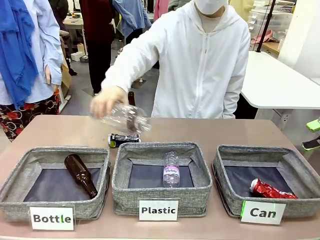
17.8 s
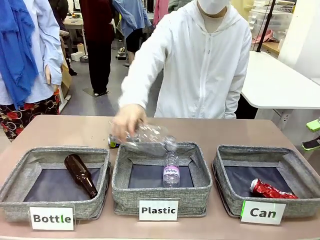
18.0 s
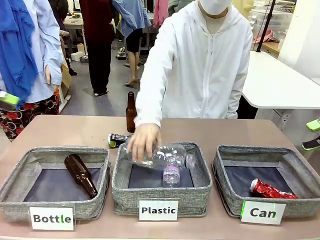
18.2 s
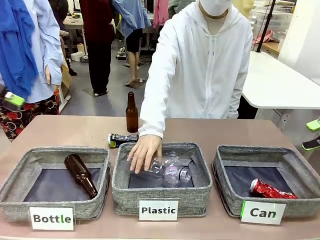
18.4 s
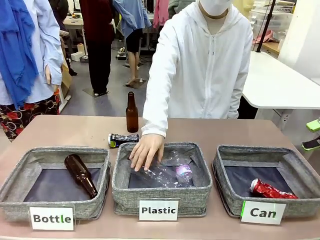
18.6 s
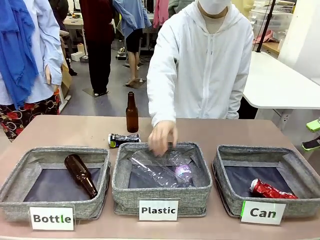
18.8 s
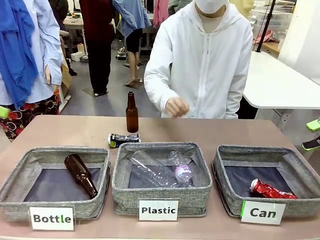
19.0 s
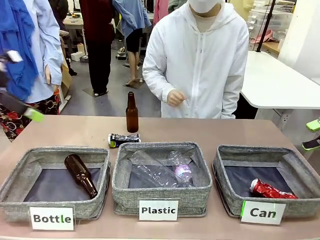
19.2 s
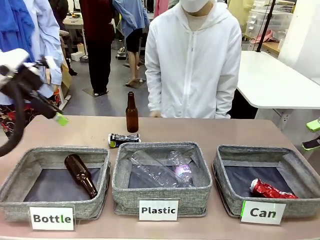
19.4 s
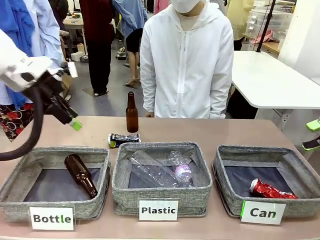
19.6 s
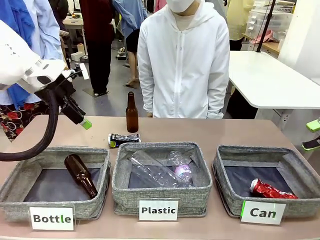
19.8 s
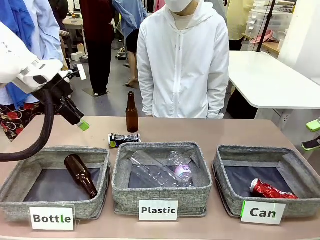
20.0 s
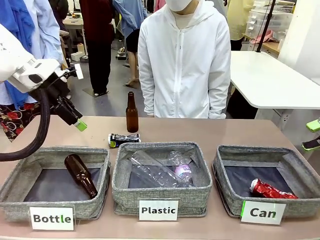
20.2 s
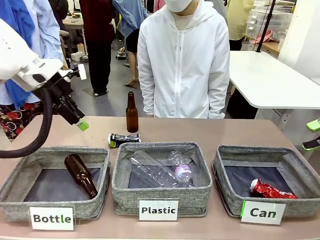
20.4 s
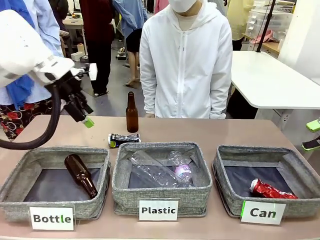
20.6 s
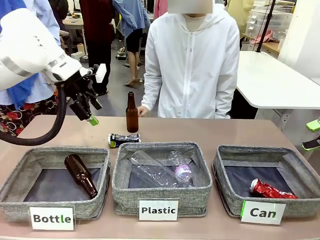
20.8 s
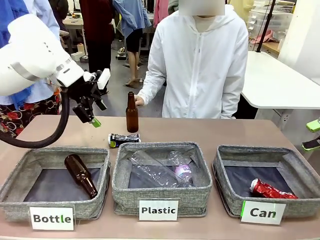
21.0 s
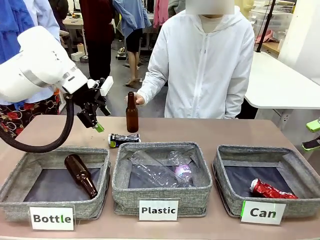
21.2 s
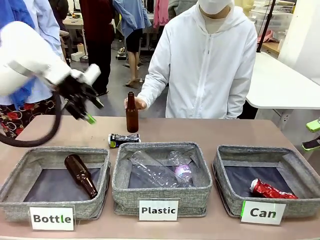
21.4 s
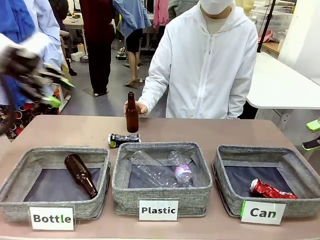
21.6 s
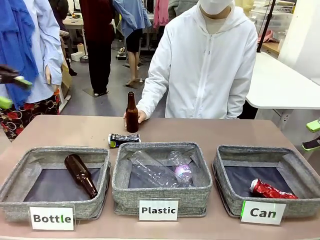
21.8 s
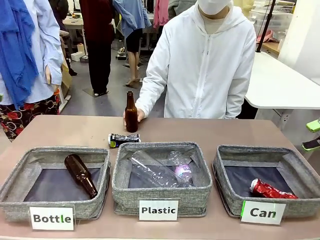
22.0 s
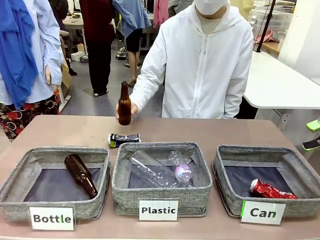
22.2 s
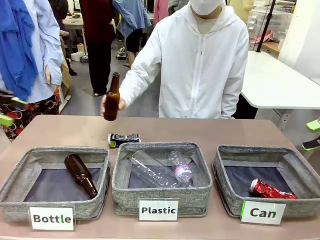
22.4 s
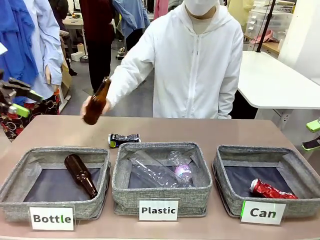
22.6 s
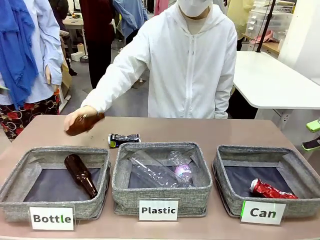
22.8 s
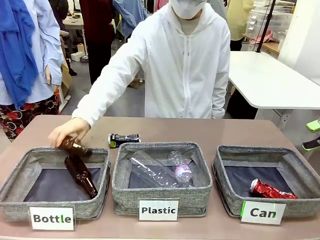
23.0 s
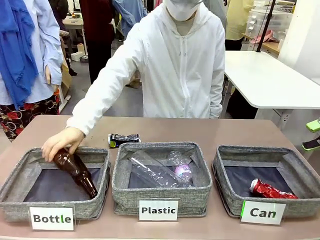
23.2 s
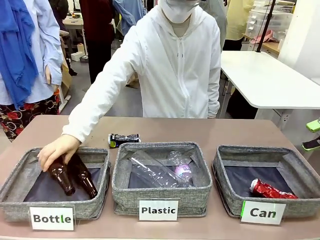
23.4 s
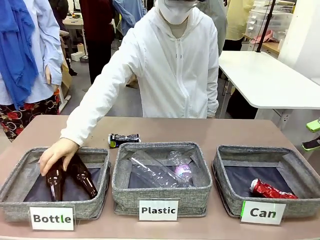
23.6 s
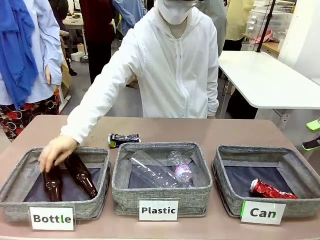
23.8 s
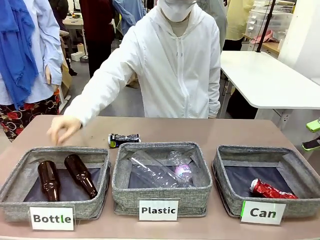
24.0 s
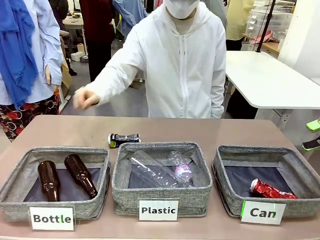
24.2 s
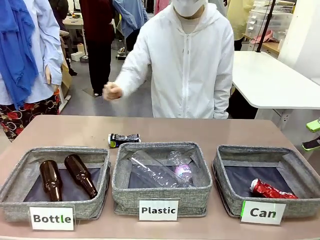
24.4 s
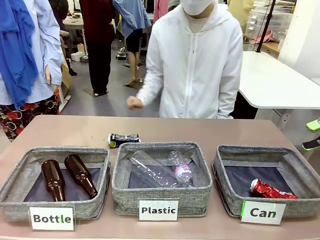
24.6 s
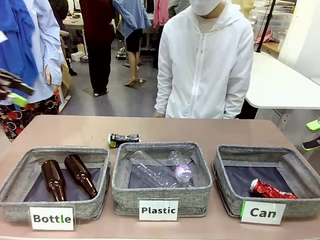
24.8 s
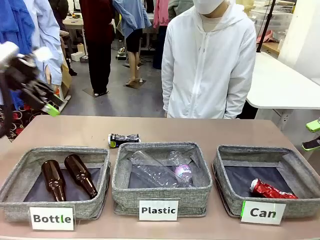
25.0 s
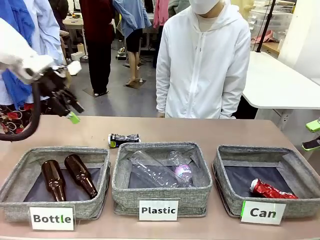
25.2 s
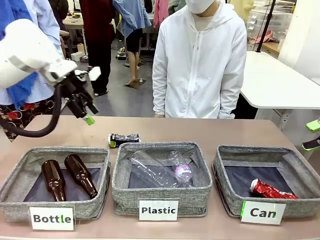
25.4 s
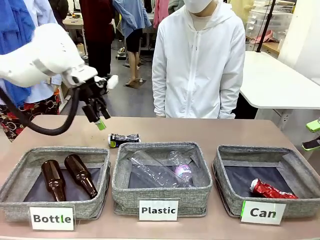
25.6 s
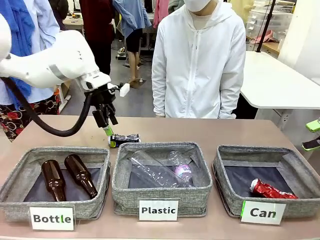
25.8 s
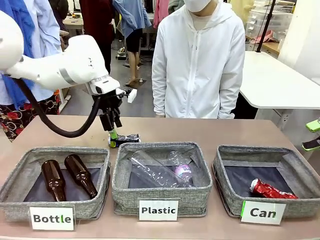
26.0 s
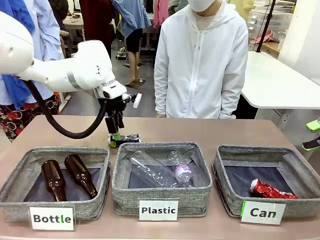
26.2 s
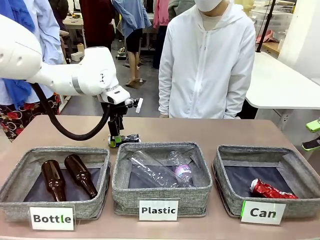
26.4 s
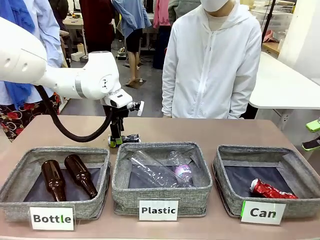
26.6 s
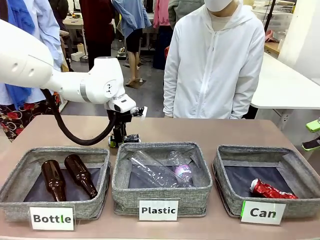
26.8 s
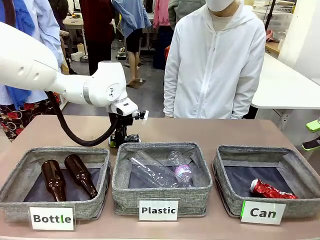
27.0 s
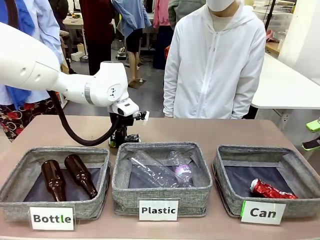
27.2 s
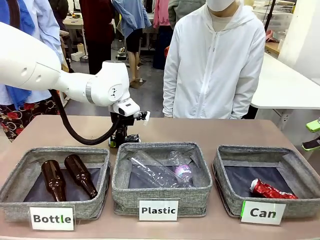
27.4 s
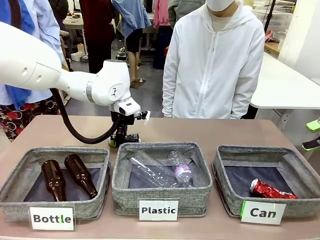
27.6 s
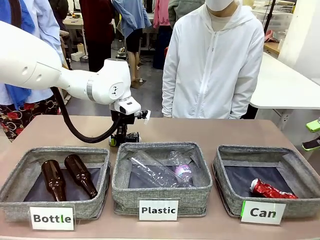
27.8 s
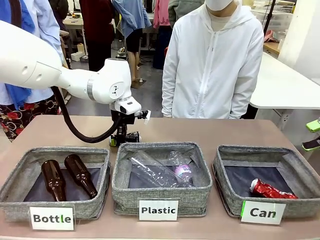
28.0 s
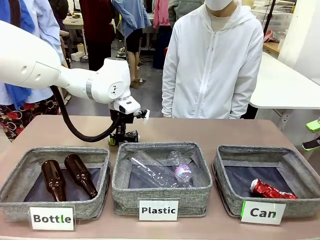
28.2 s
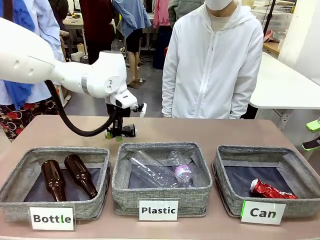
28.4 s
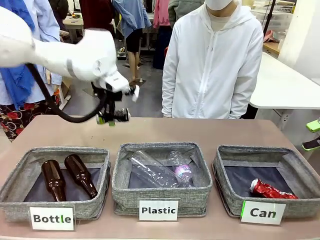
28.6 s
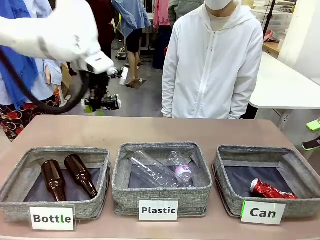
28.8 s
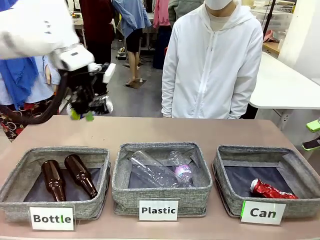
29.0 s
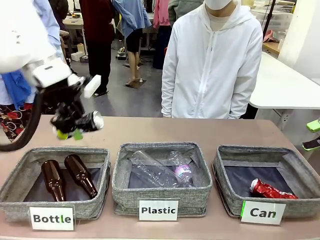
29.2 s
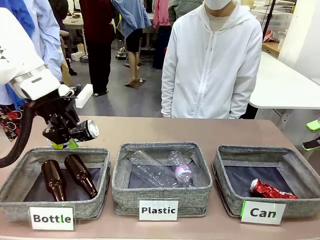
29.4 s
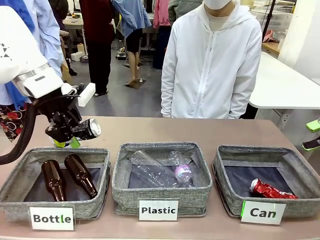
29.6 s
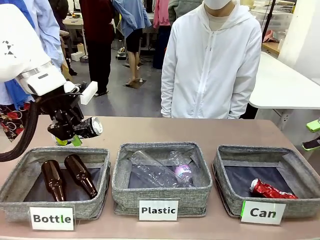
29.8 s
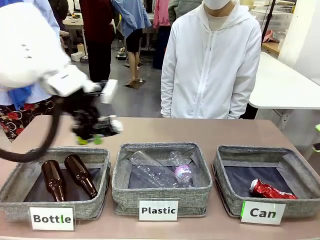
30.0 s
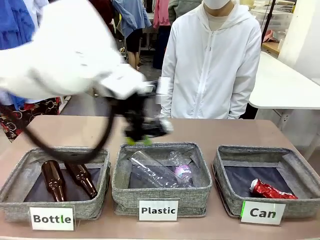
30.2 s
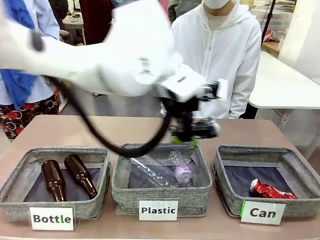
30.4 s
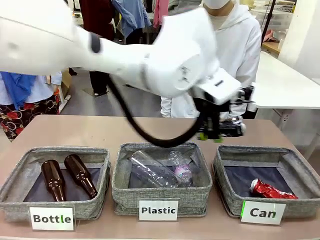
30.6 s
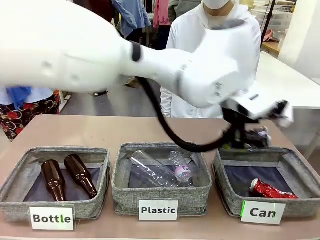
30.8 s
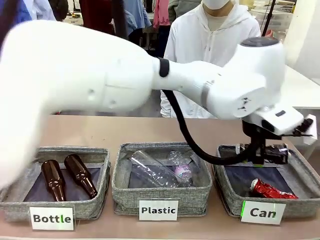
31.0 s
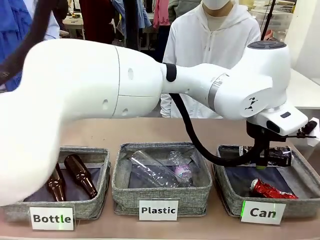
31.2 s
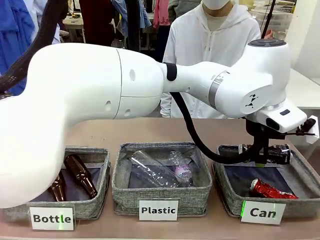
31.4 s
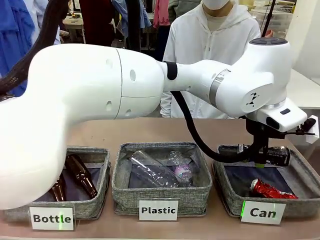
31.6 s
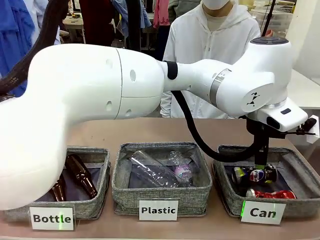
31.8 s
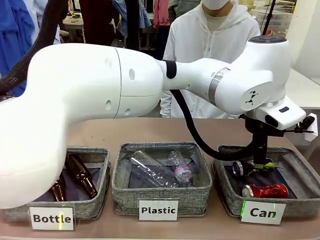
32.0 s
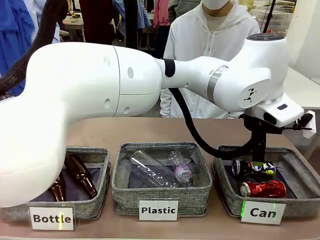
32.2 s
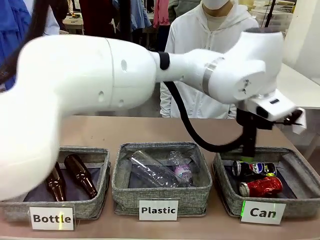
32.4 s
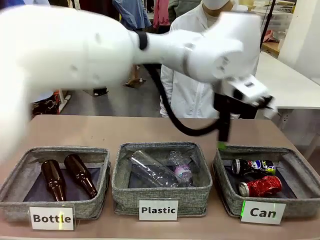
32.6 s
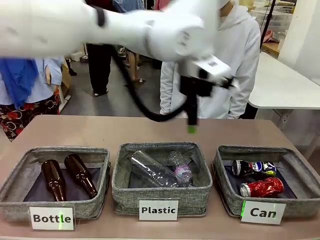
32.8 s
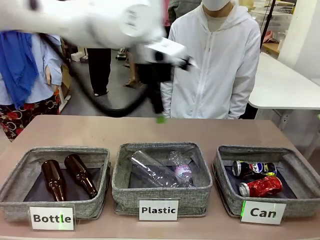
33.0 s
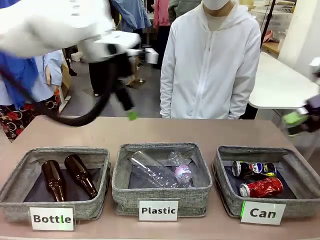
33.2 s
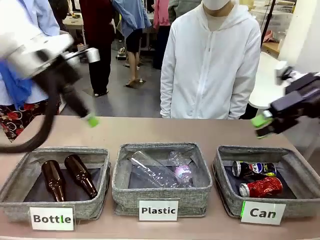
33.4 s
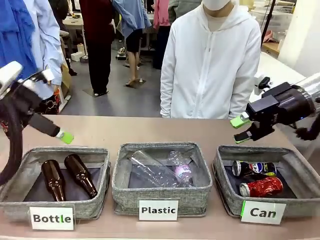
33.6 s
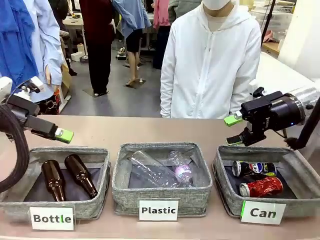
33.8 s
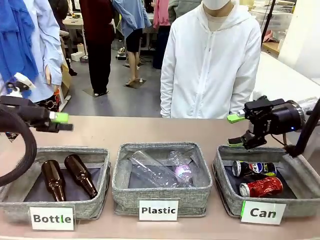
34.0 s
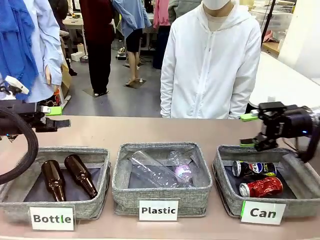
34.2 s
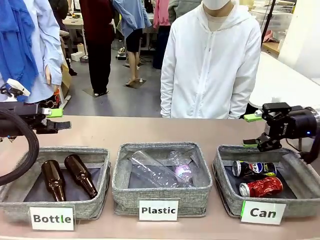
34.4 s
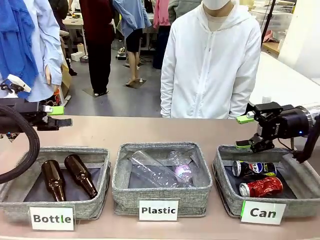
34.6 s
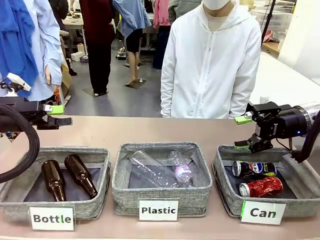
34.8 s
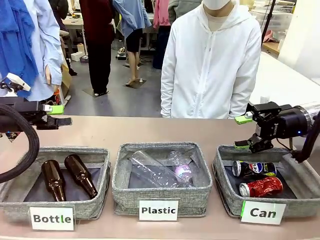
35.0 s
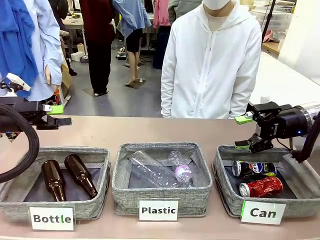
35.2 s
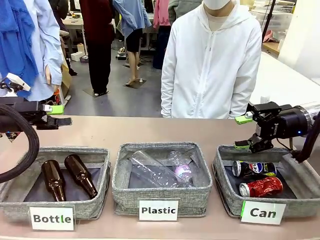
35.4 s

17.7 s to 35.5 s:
Task: Sort the can waste into the basket.
Robot: Pick up the can waste from the table and place it in the right Fabric basket.
Person: The human picks up one piece of trash that is not a can and places the trash into the appropriate organizing basket.
